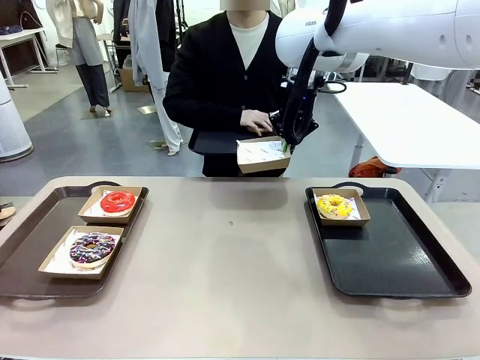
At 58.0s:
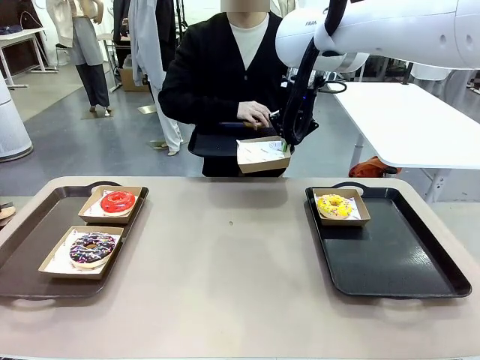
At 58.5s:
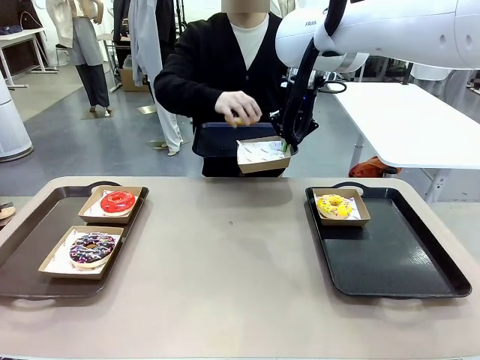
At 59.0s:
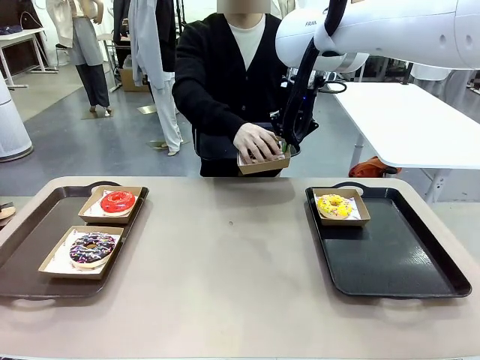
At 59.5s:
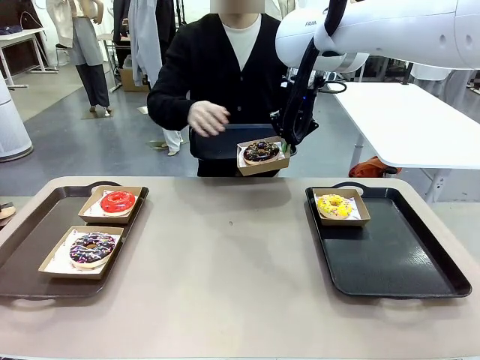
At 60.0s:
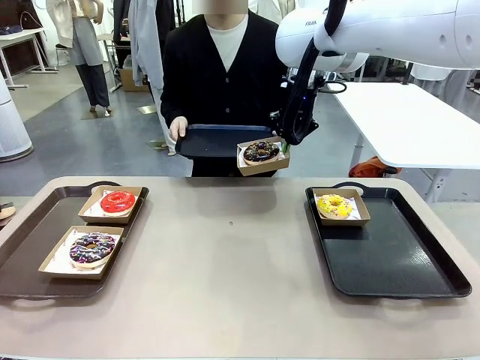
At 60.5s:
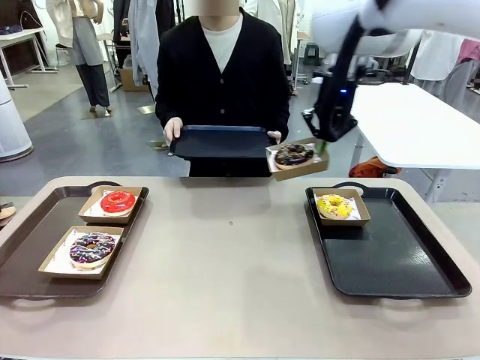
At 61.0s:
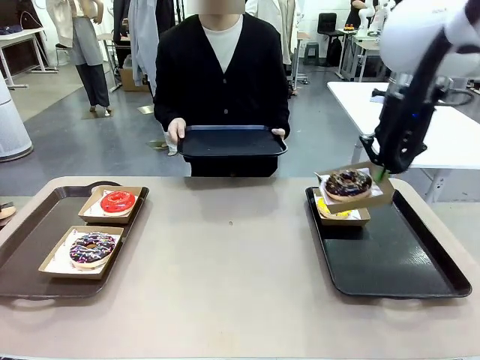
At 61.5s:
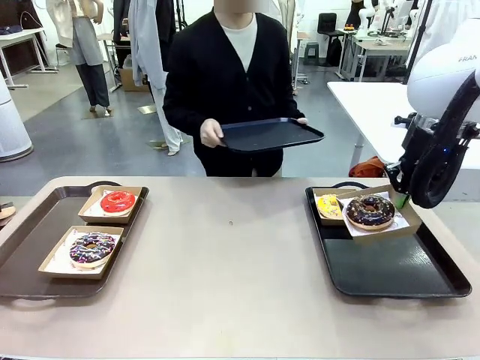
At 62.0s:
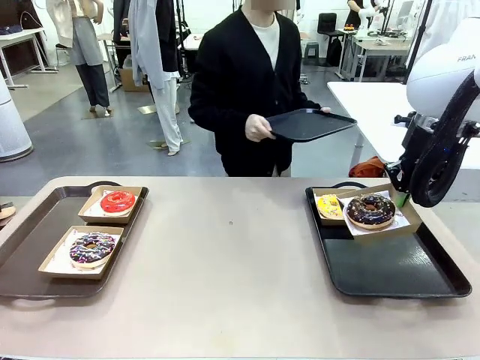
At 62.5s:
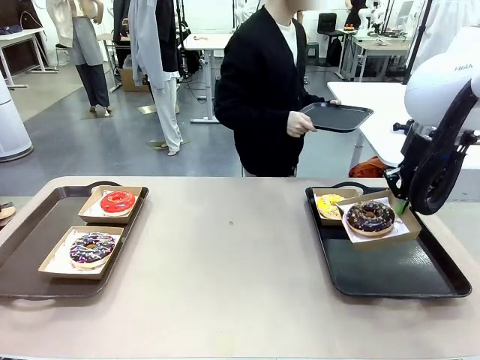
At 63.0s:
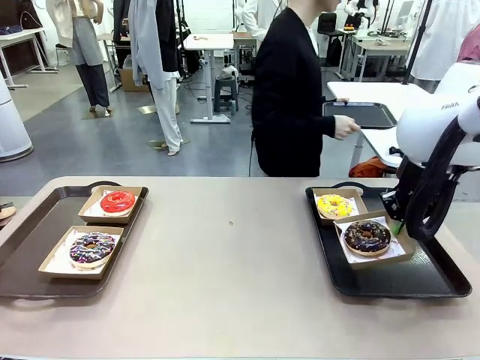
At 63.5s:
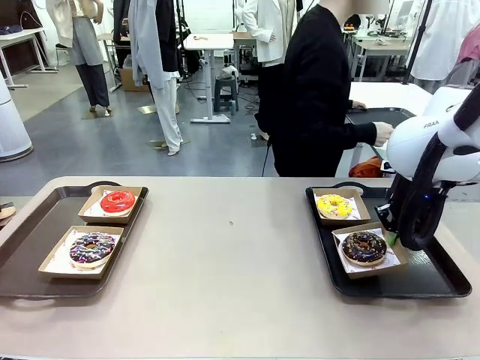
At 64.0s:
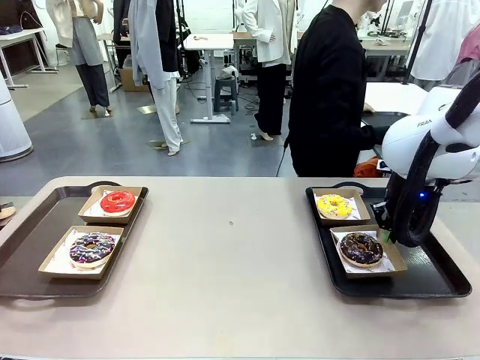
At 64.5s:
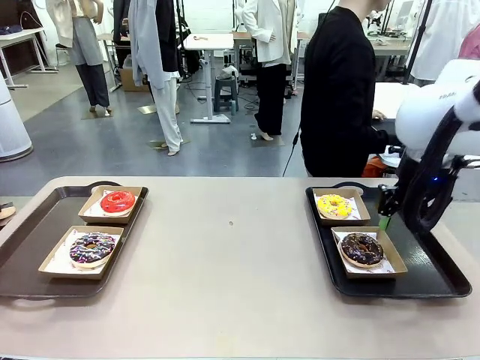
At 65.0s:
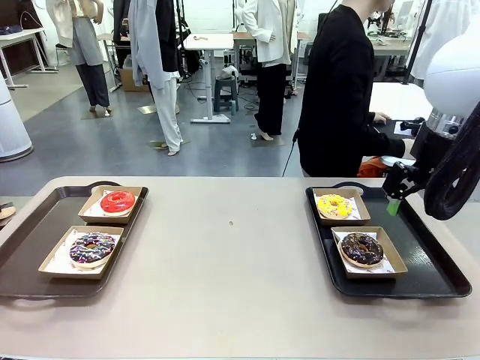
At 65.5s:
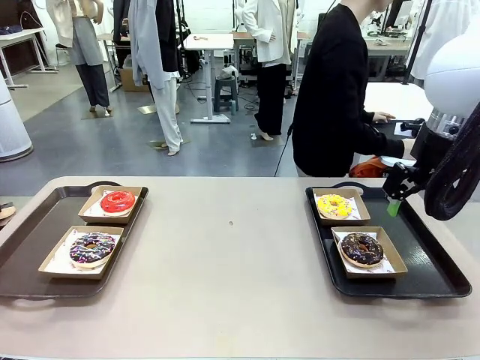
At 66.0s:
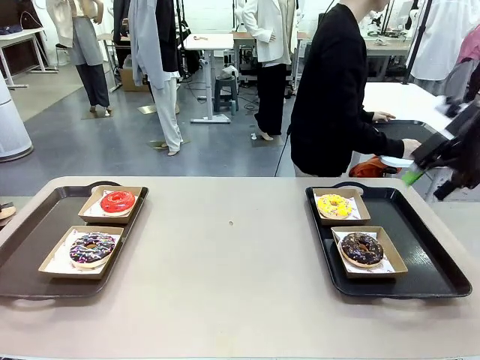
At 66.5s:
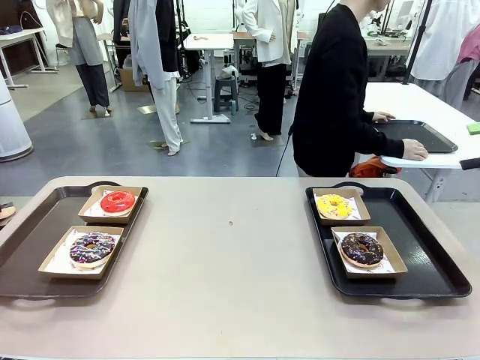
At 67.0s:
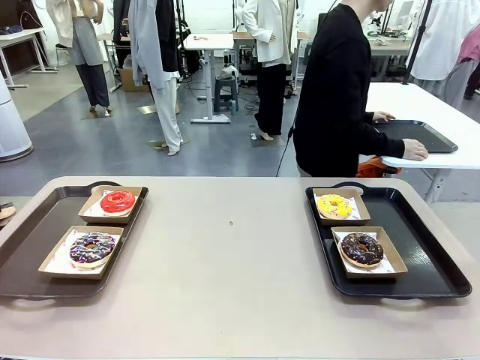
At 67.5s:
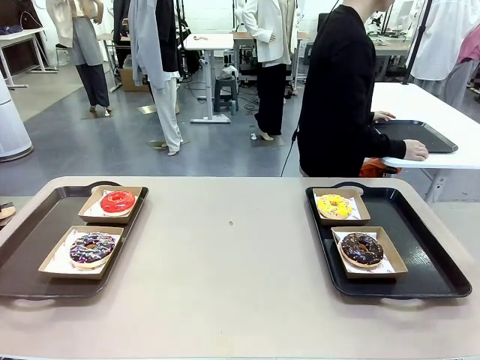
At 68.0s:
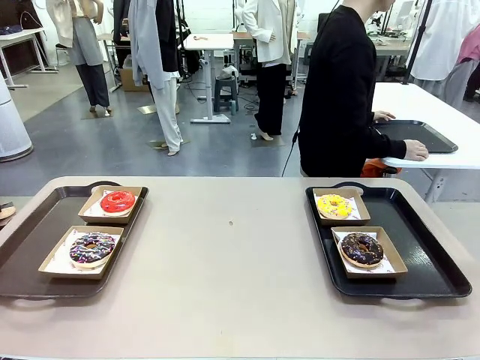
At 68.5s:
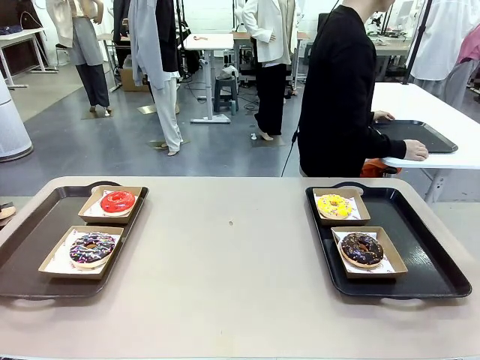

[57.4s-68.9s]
Task: Individually package the donuts and arrange them on the tray.
Robot: Place the picked Paper togo box on the Handle tray.
Person: Place the tray down in the middle of the human table.

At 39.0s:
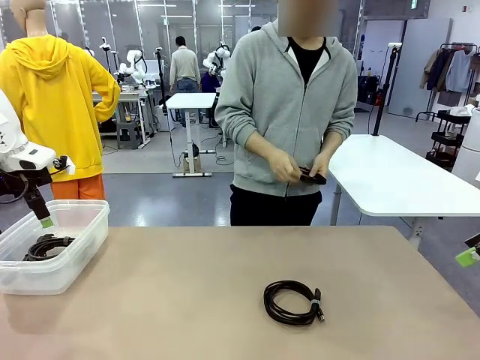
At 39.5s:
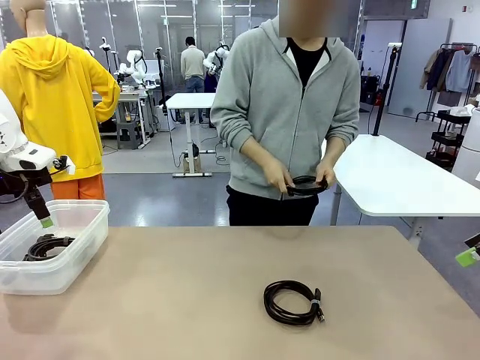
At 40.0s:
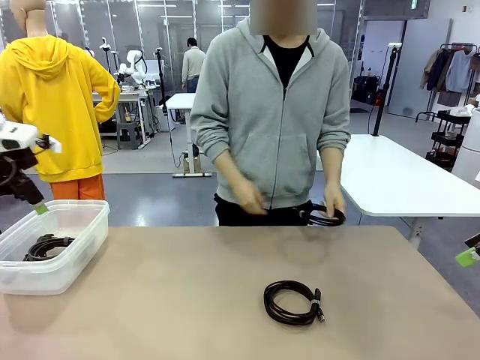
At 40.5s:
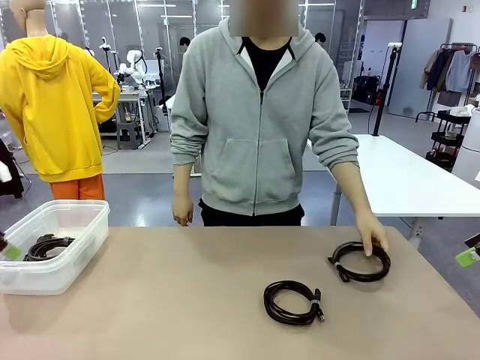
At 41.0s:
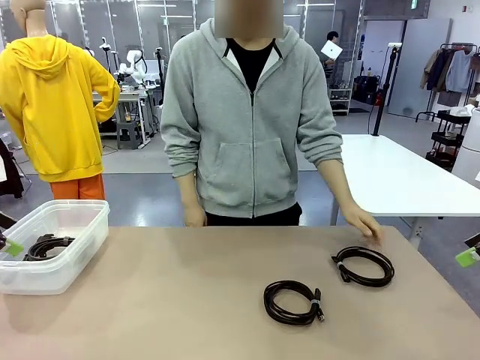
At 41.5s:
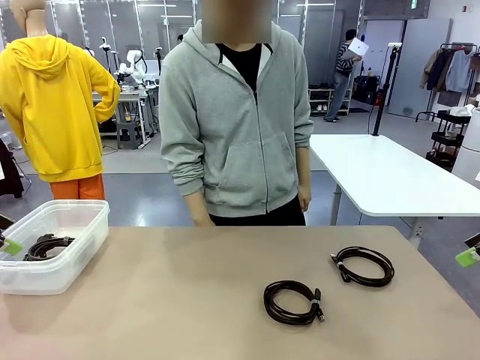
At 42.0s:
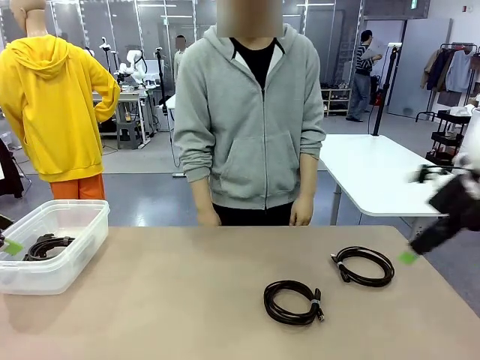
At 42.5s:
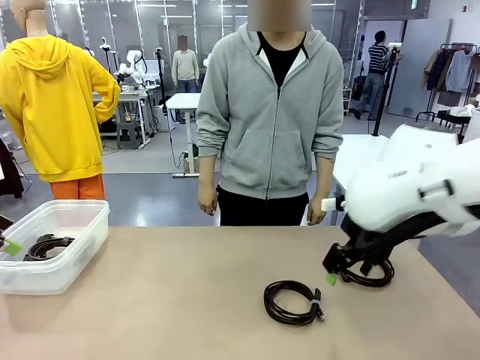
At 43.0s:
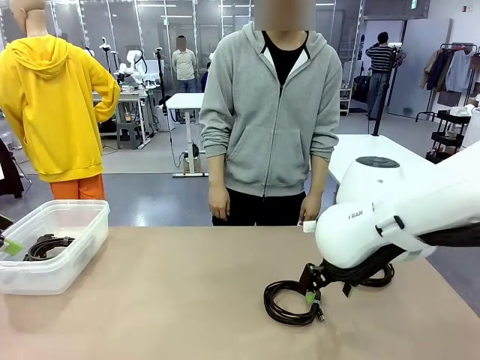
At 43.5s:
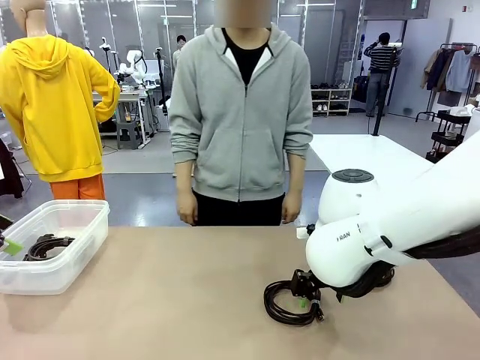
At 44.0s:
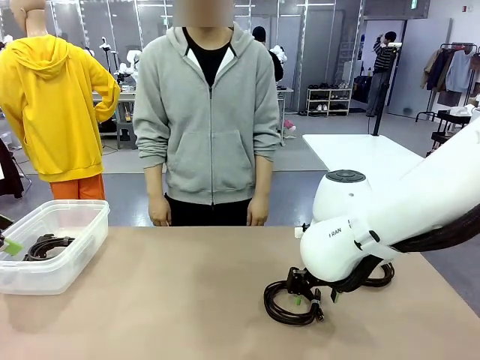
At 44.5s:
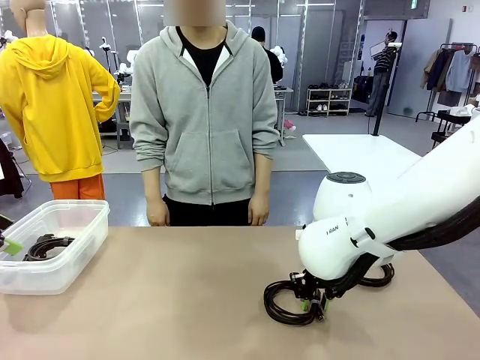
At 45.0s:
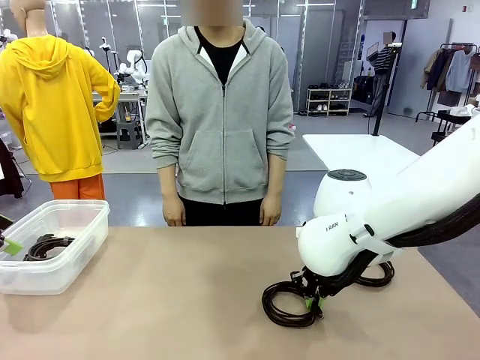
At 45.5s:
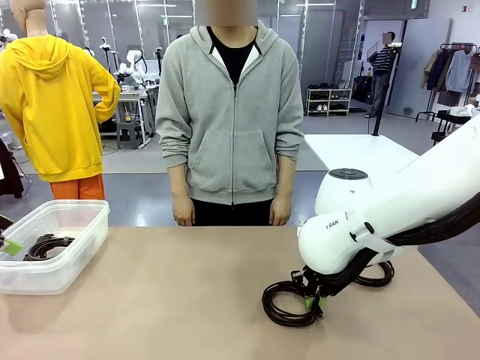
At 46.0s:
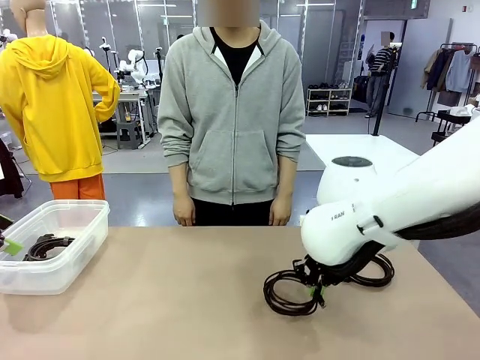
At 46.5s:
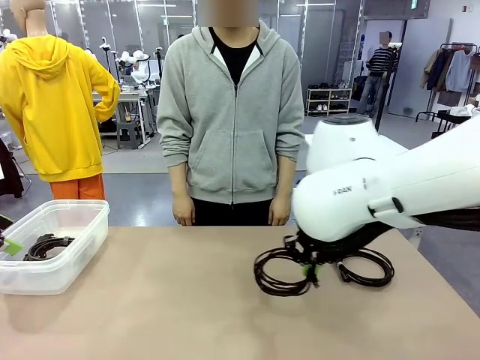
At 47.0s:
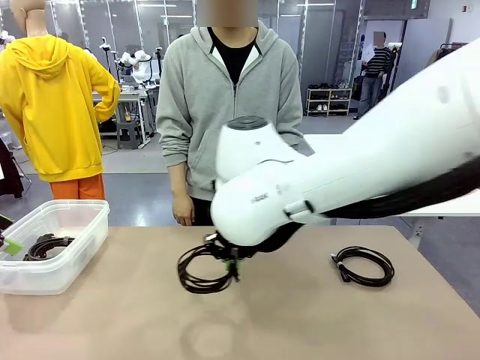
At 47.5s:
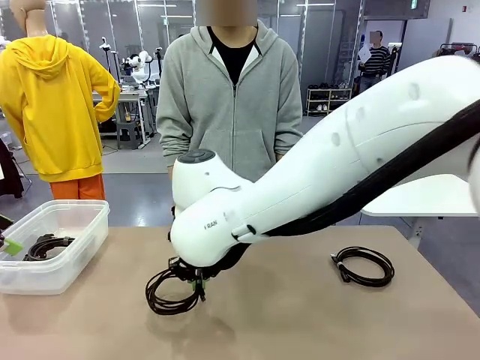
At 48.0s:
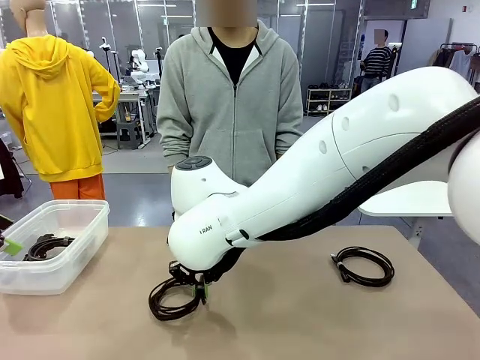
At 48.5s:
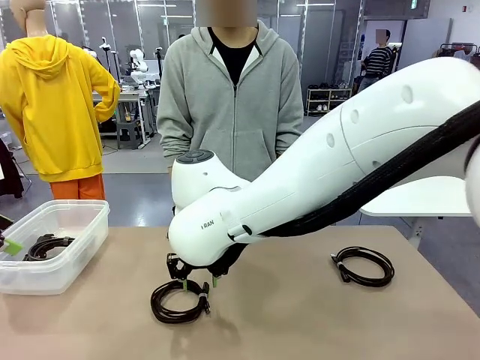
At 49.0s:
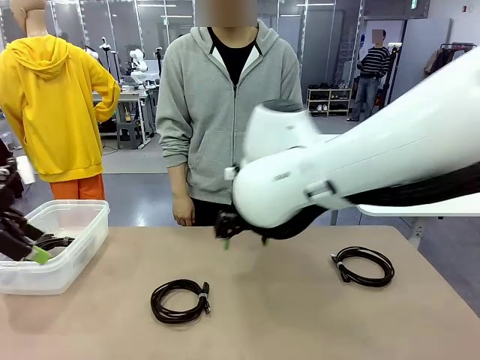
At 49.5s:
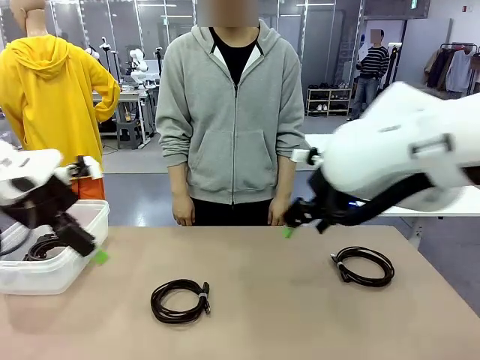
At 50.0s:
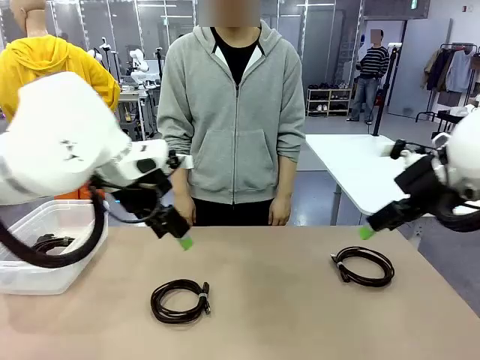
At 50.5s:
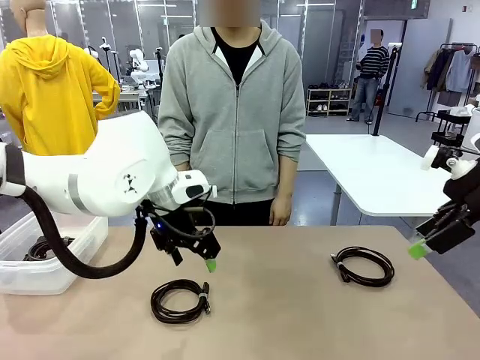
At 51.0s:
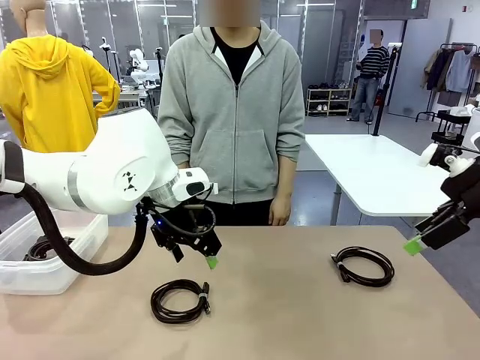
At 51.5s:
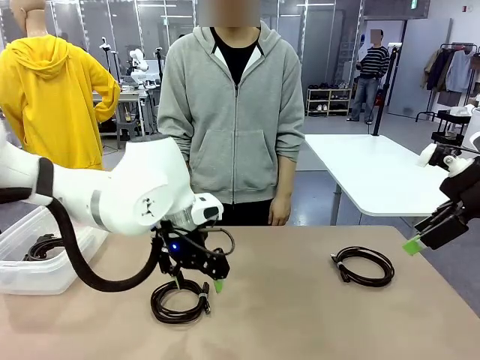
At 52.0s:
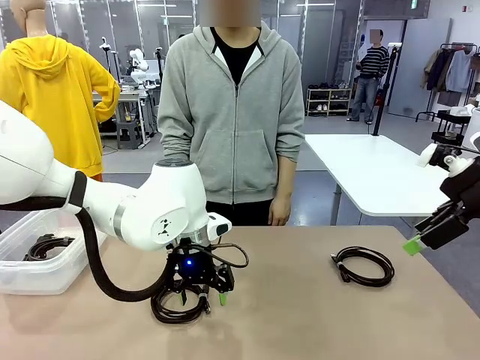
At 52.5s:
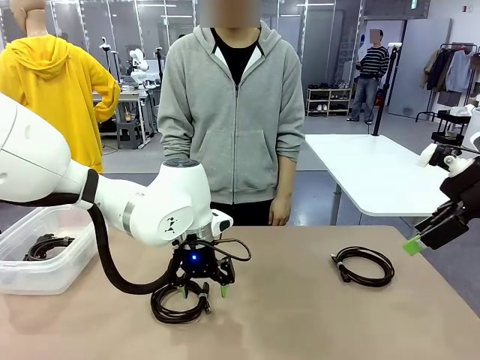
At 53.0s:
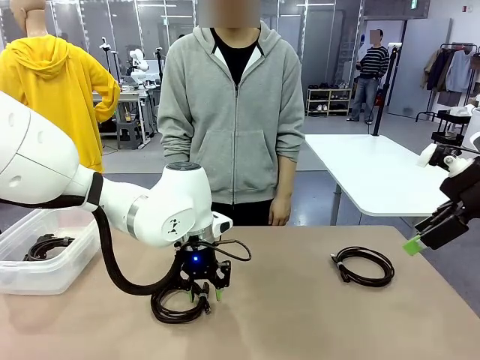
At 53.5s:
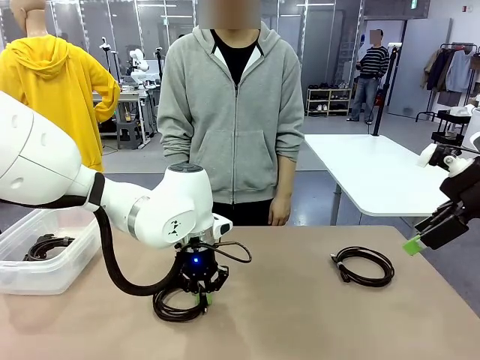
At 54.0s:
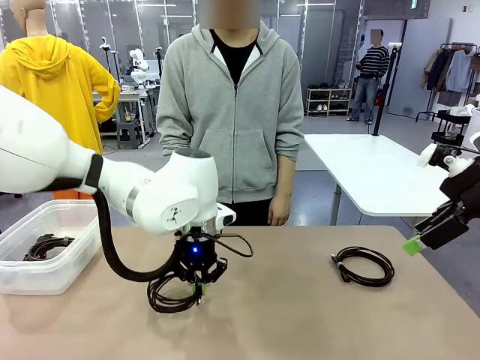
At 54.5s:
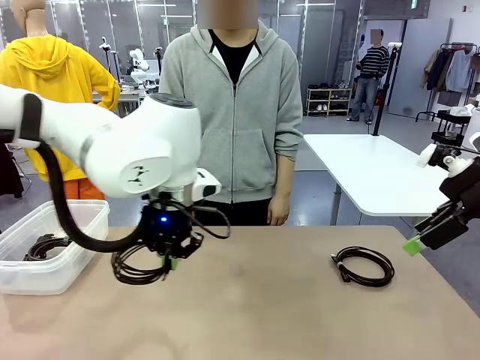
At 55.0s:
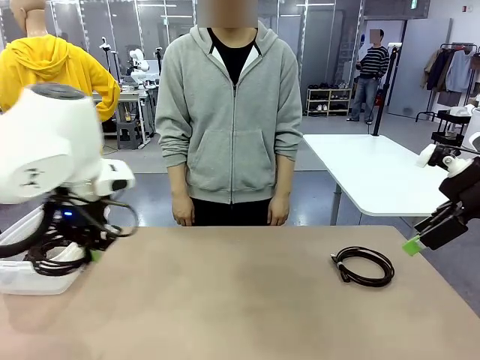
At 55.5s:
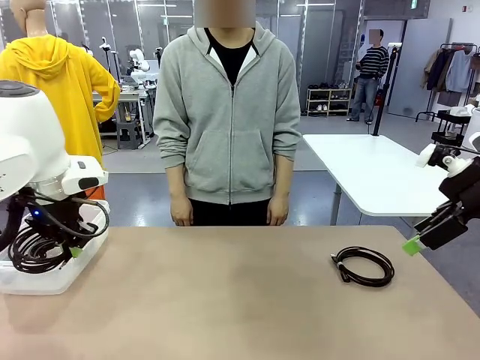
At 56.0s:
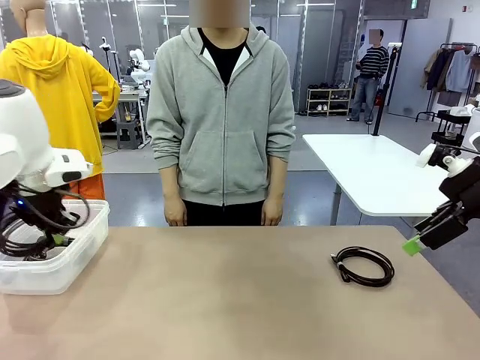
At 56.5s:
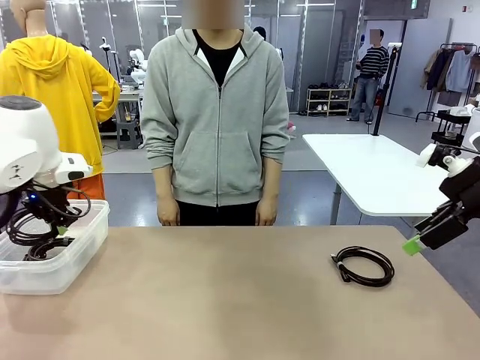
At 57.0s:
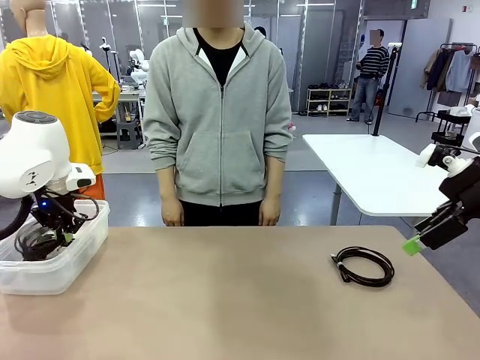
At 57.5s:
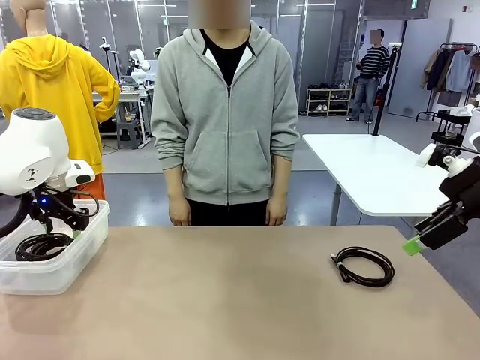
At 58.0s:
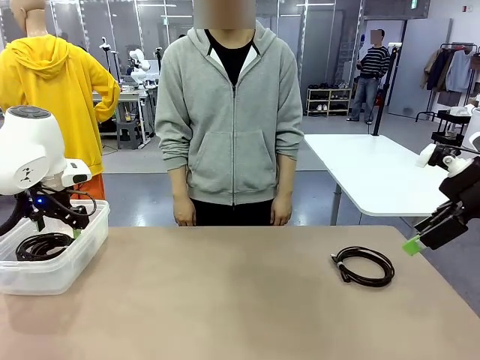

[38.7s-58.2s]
Task: Organize and store the cables.
Robot: Place the USB Extension Cable into the Organizing box.
